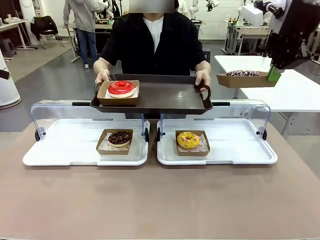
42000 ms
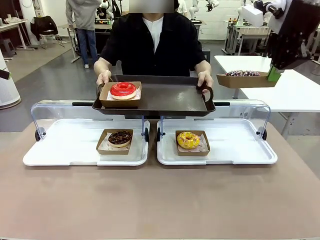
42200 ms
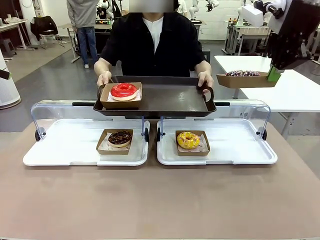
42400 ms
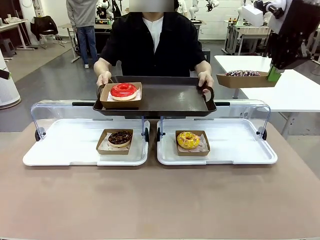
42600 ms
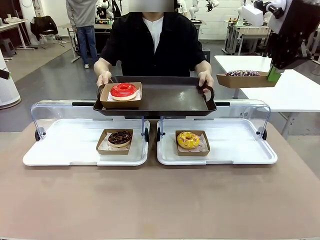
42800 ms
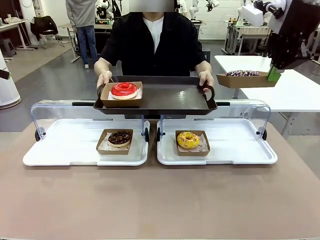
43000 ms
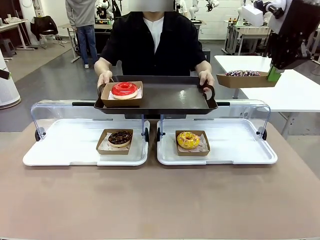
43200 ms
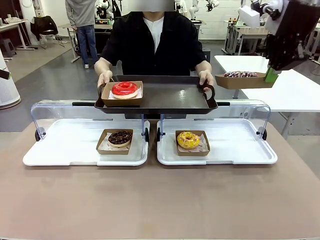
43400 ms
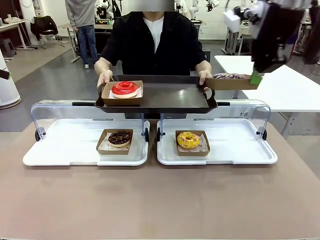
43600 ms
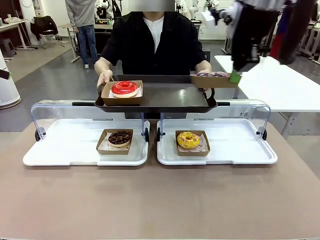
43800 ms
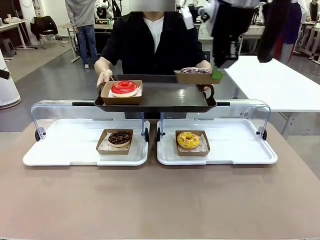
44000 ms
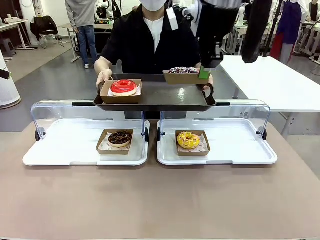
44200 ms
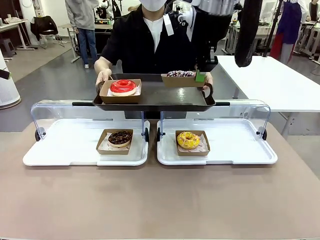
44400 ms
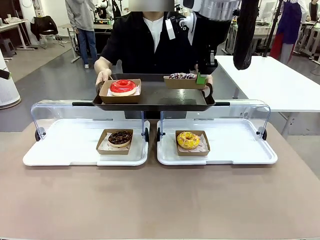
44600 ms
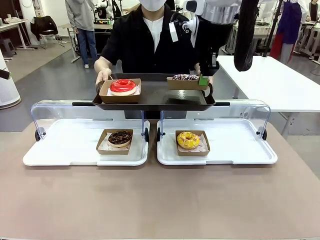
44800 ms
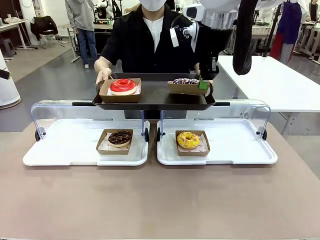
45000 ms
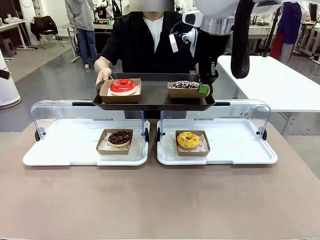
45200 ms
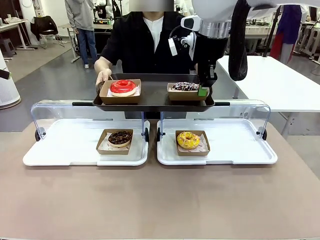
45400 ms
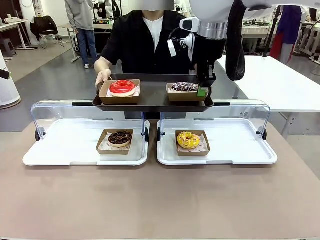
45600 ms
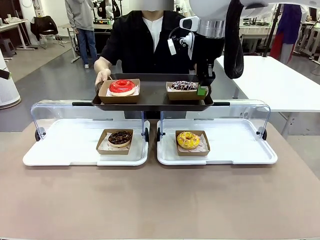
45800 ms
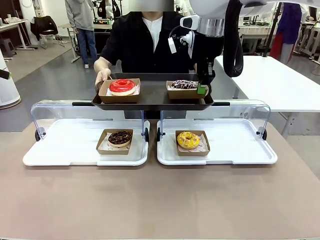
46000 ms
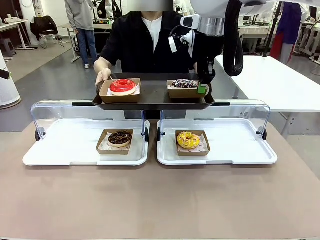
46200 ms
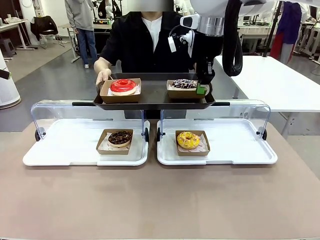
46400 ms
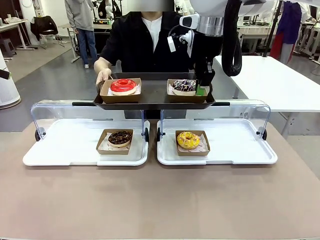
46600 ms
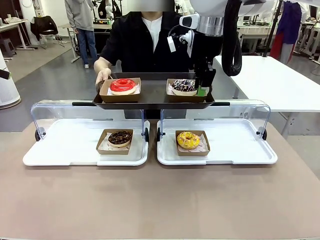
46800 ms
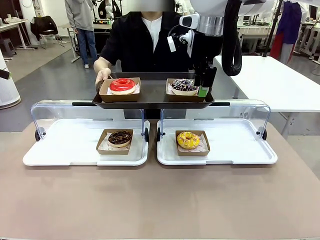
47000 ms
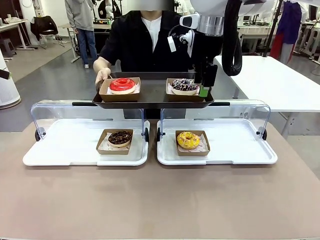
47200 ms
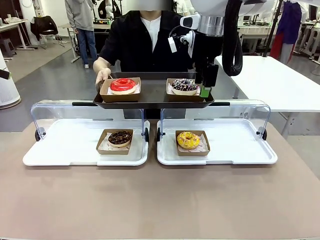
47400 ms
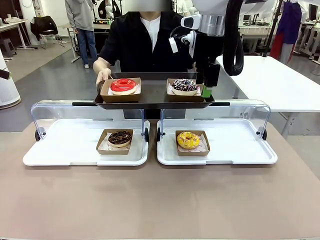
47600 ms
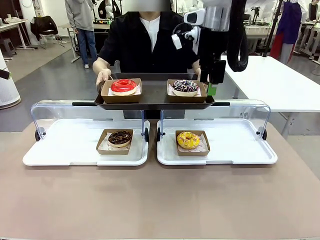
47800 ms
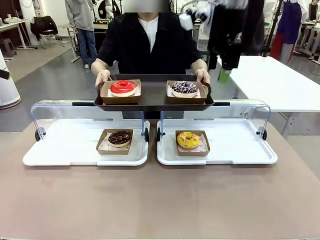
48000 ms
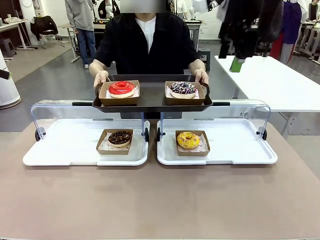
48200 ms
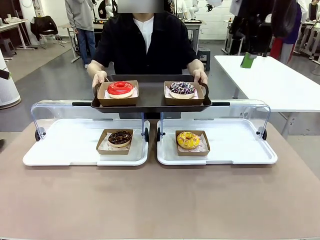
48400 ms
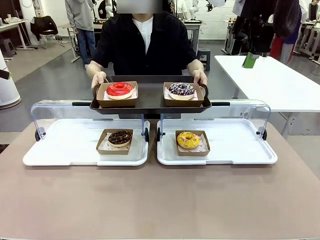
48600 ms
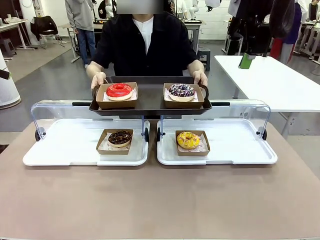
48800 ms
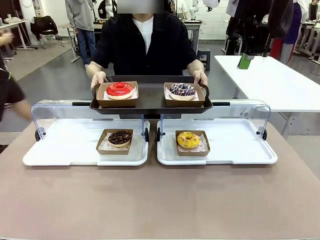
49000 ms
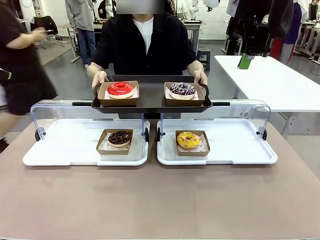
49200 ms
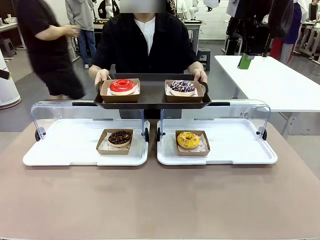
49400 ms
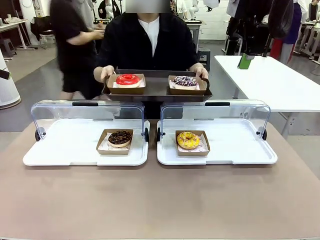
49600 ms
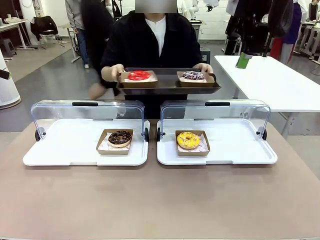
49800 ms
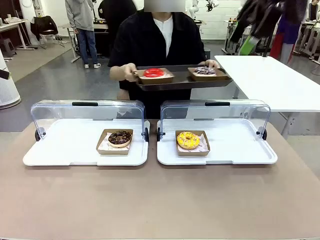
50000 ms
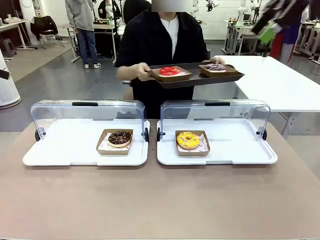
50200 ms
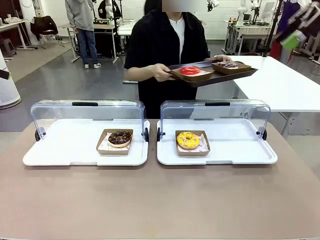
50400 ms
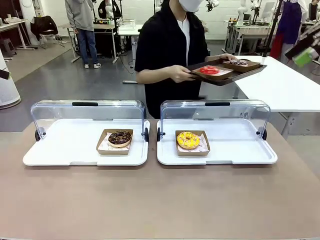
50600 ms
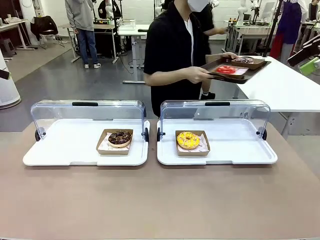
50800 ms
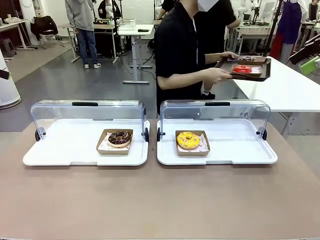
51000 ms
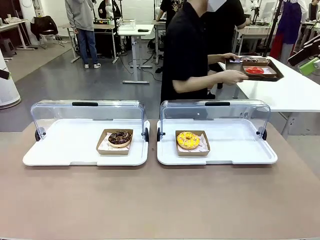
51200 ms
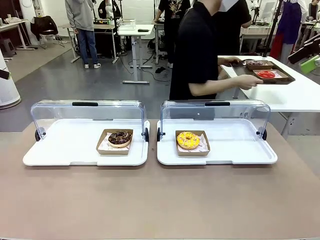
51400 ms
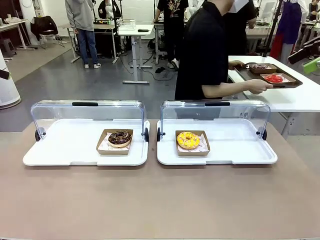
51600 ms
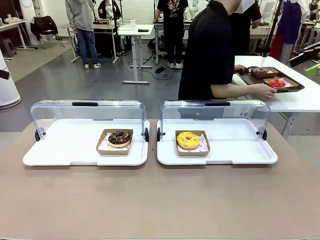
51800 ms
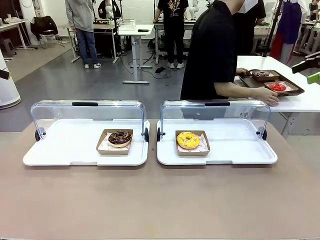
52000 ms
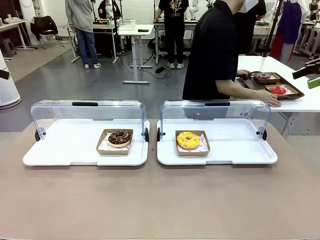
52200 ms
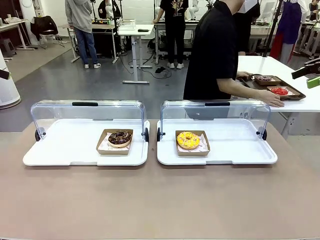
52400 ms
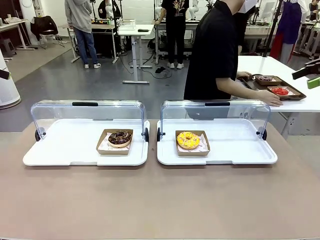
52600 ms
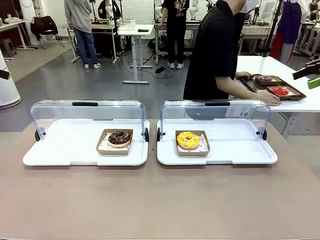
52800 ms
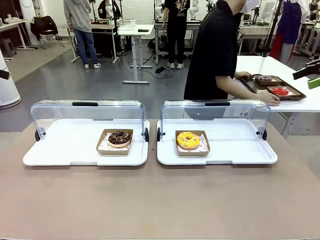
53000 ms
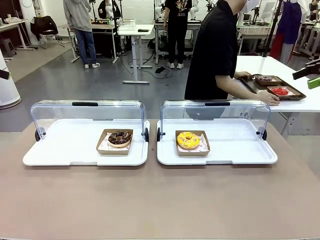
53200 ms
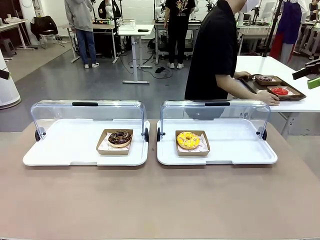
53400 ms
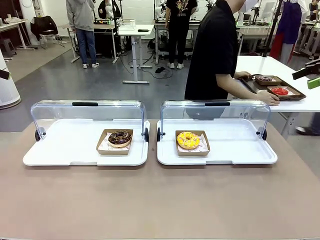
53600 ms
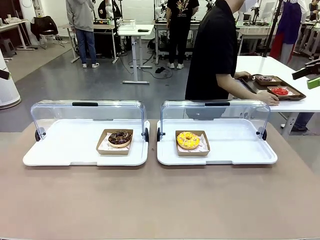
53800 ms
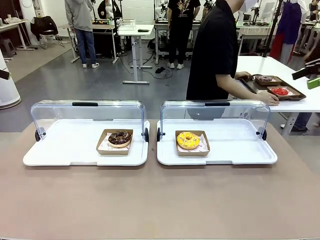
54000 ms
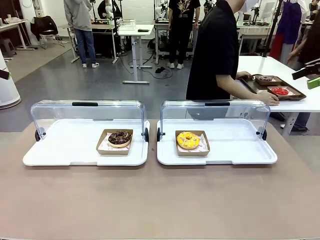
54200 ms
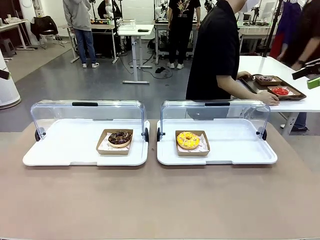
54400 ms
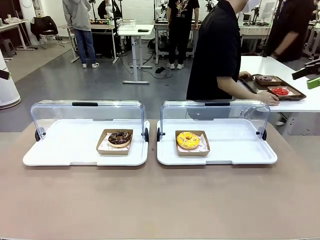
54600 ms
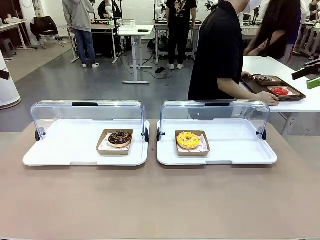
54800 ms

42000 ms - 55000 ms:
Task: Provide the desired donut to the person.
Robot: Place the picked Paper togo box onto the Handle tray extended by the person.
Person: Place the tray in the middle of the human table.

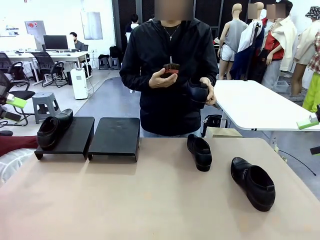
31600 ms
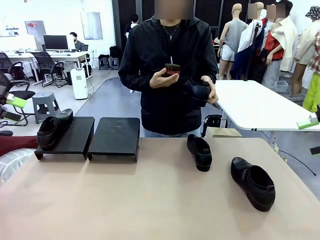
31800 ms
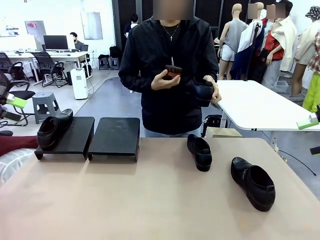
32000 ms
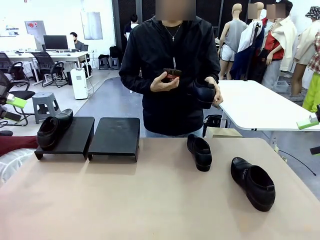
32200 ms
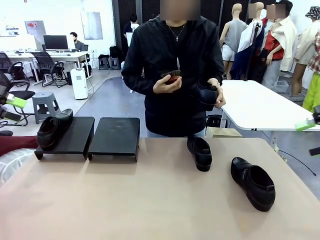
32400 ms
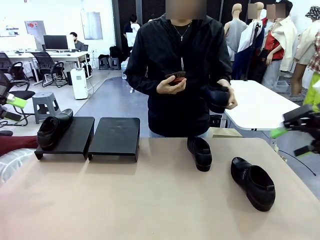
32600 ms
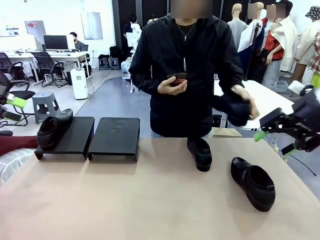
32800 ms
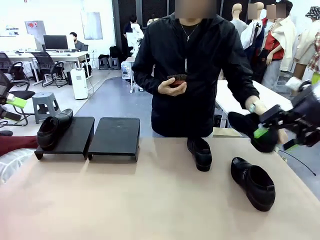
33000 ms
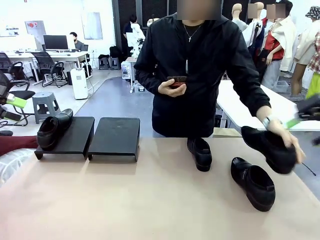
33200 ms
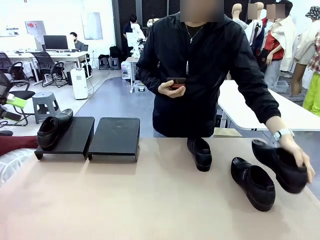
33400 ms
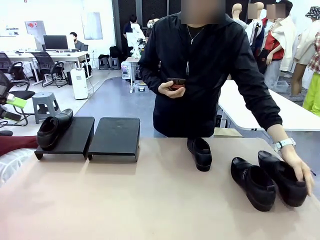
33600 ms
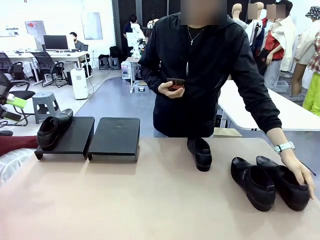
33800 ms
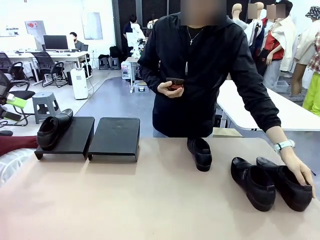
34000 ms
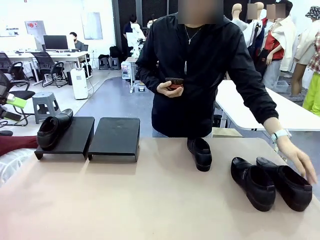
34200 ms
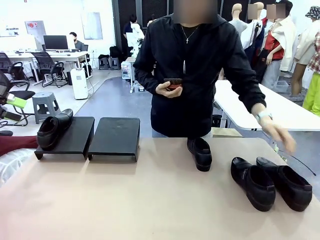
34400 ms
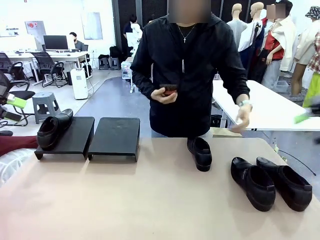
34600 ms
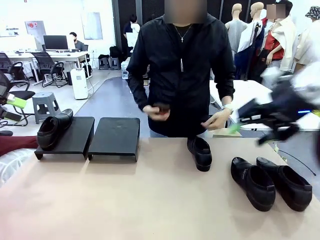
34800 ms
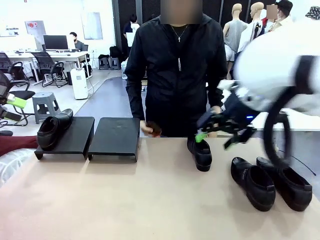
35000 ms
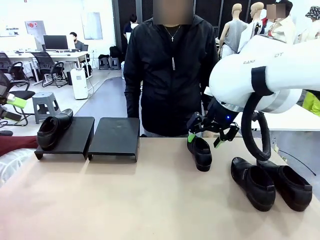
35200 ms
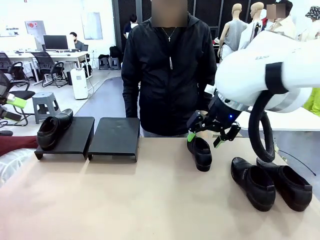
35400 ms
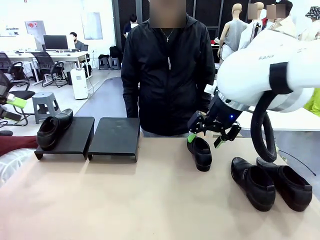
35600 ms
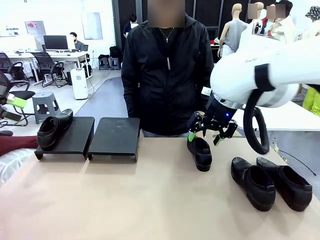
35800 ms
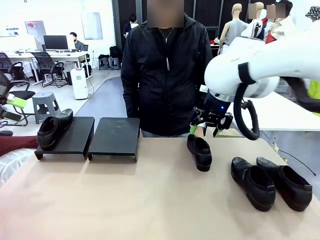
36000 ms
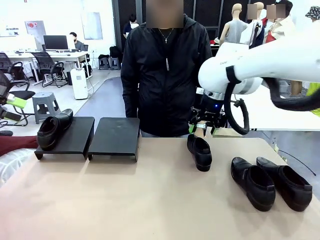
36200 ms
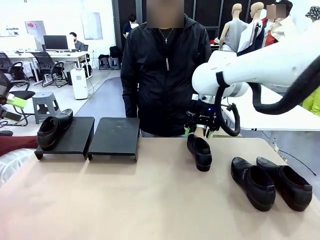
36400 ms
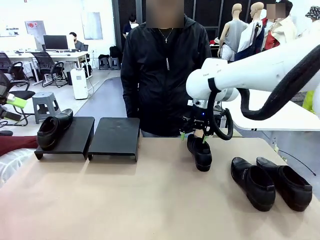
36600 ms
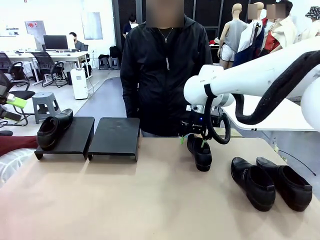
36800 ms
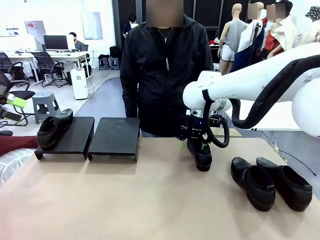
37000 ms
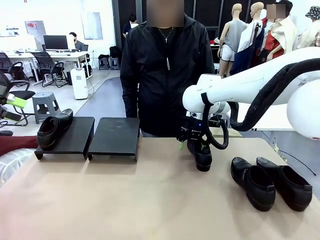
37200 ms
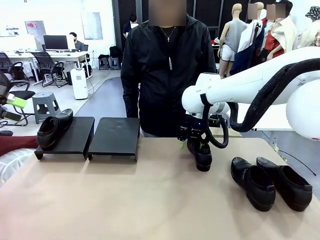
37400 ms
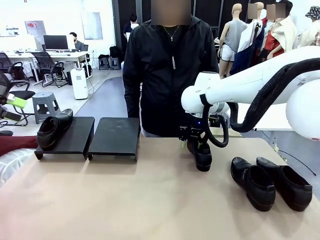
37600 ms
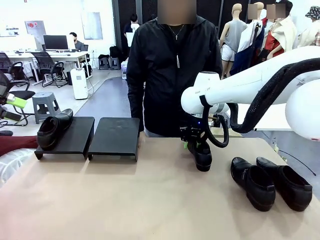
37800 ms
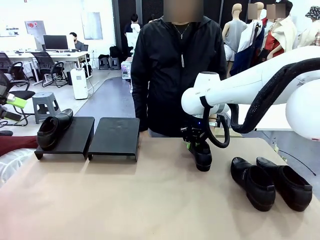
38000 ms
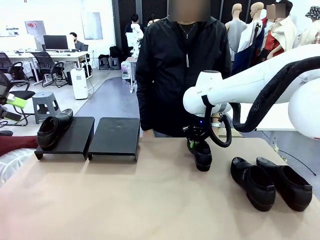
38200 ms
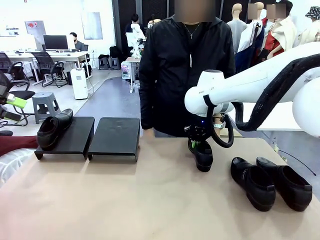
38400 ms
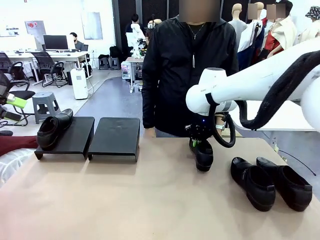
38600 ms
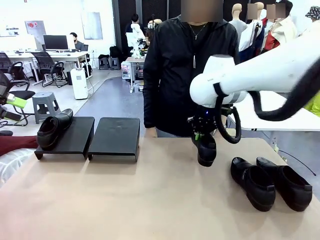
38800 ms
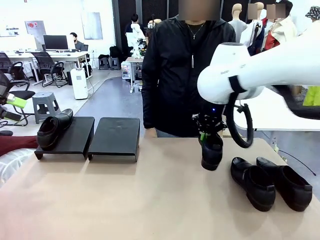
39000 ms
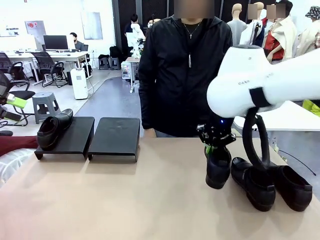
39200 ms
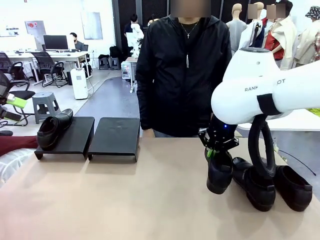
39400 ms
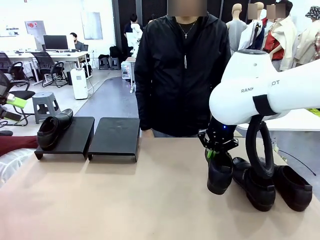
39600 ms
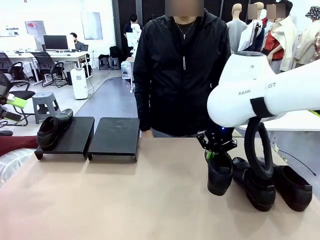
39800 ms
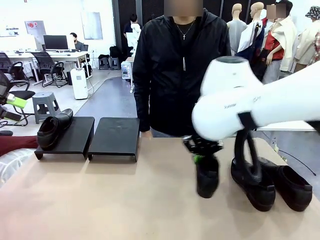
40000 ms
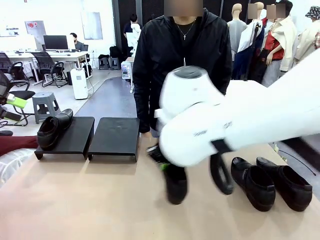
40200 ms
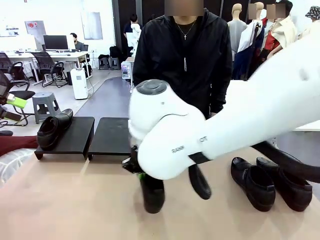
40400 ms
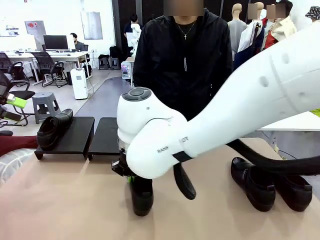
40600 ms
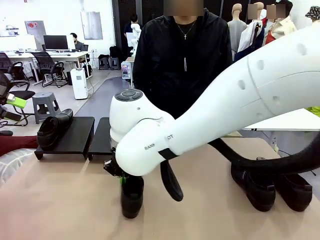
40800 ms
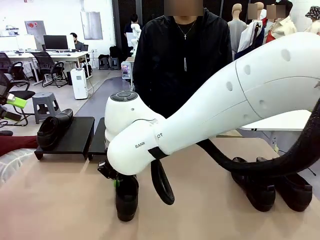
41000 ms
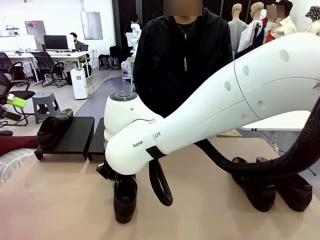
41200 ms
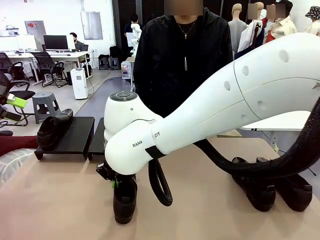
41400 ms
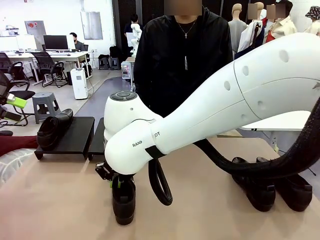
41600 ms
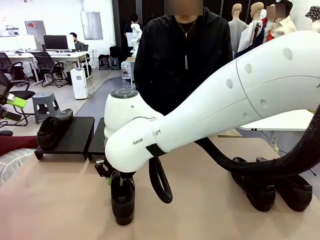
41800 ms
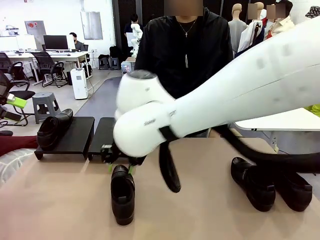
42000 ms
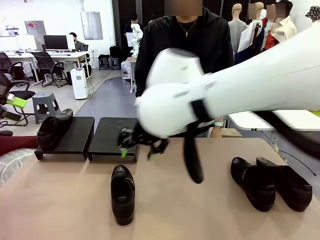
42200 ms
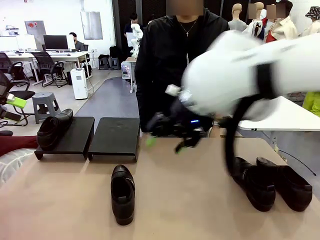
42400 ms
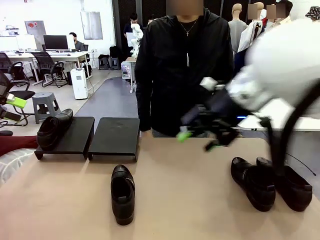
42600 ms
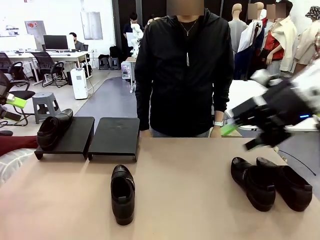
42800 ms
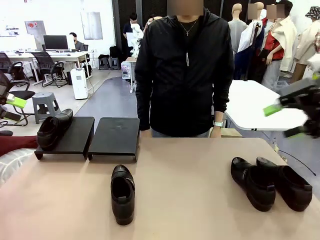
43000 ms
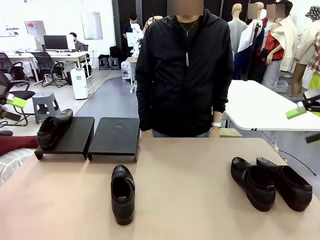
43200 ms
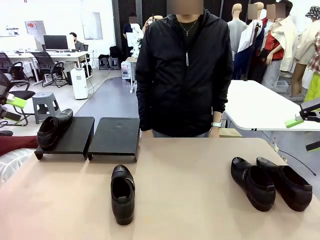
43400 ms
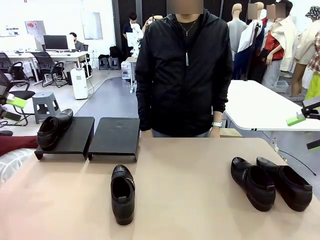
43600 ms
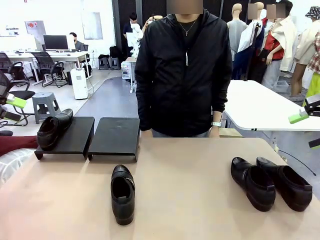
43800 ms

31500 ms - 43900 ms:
Task: Organize the shoes by placing them on the stand.
Robot: Pick up one Shoe and place it in the middle of the table.
